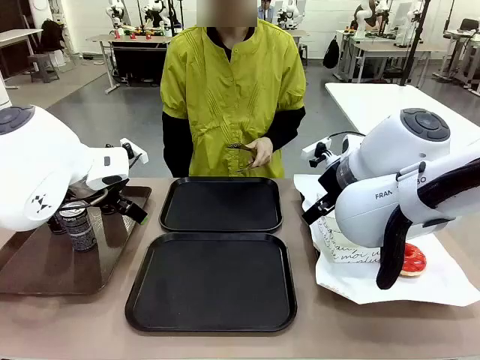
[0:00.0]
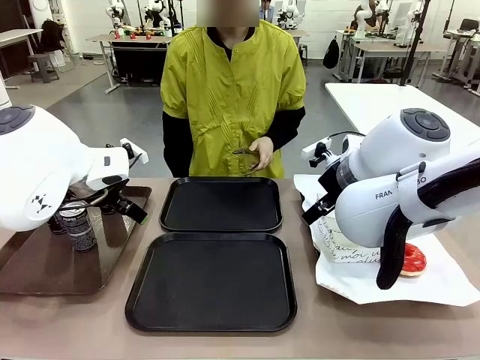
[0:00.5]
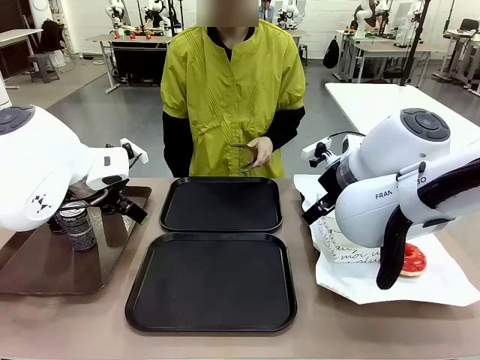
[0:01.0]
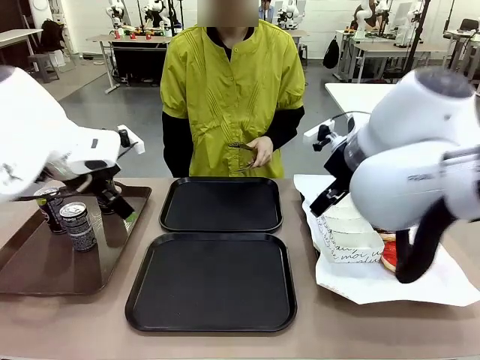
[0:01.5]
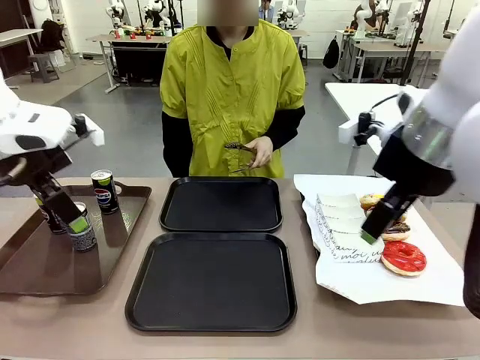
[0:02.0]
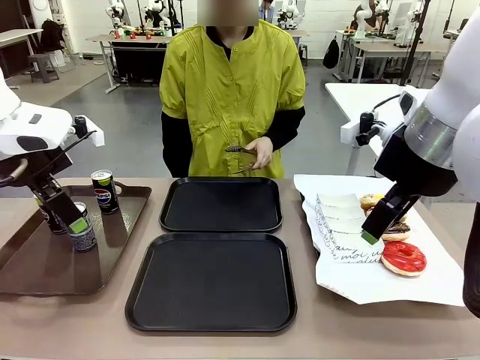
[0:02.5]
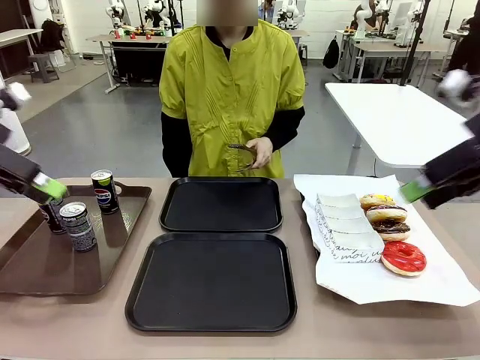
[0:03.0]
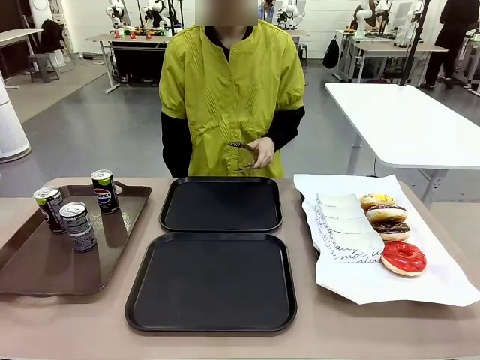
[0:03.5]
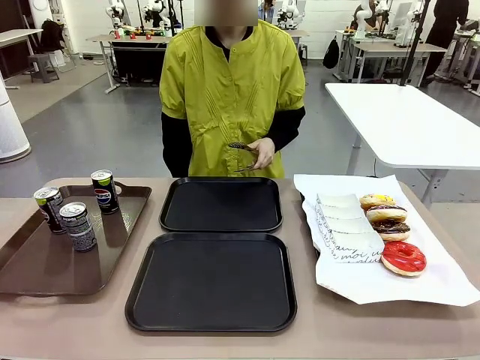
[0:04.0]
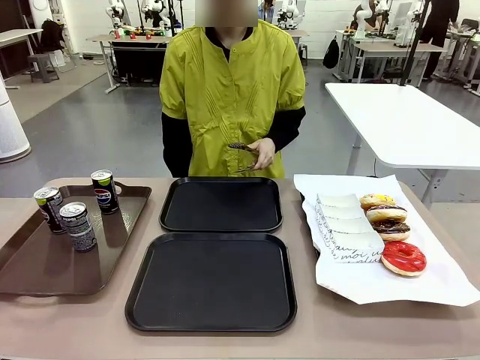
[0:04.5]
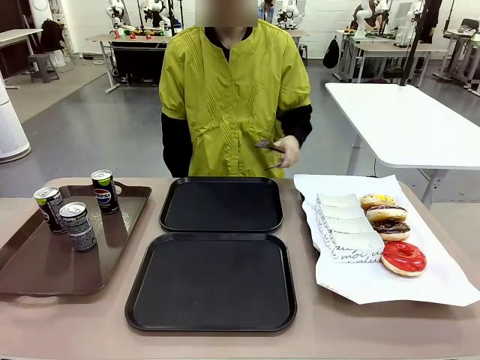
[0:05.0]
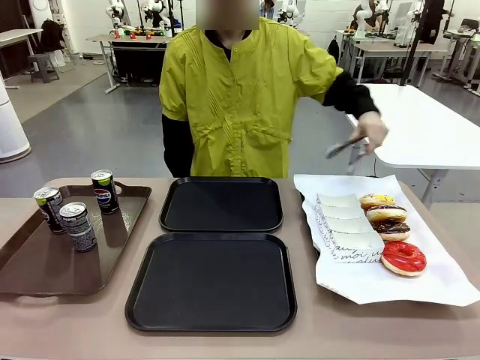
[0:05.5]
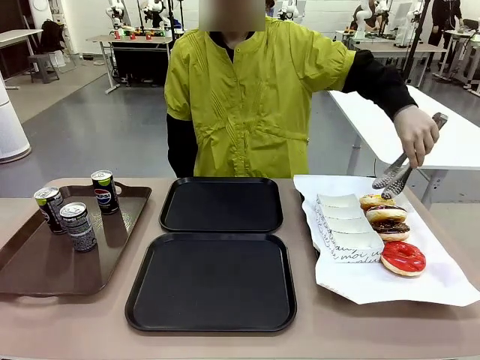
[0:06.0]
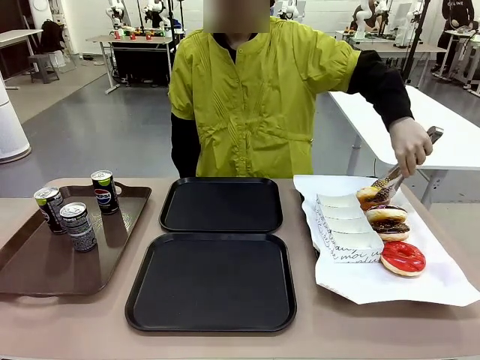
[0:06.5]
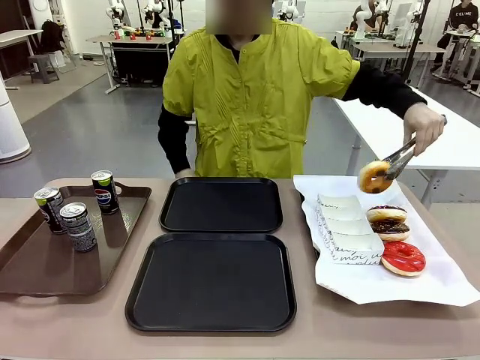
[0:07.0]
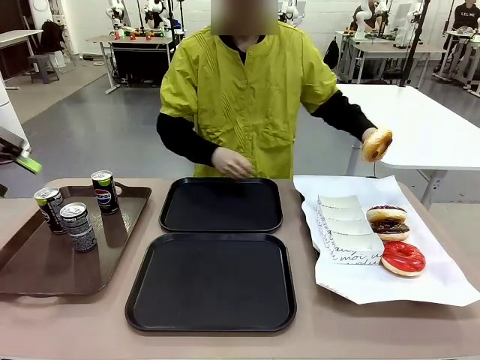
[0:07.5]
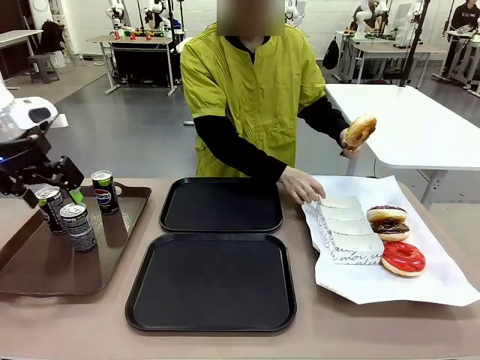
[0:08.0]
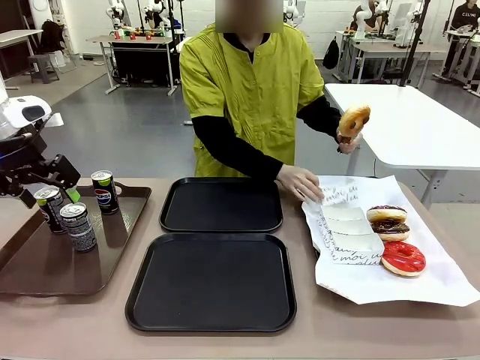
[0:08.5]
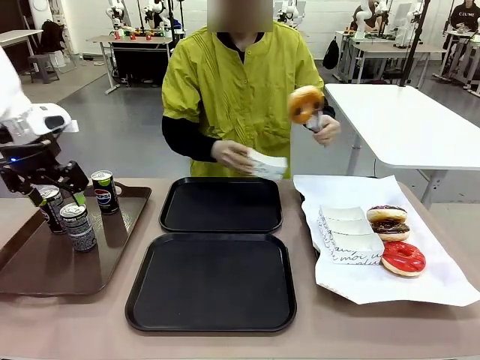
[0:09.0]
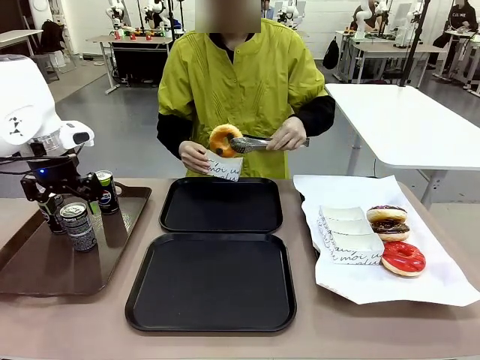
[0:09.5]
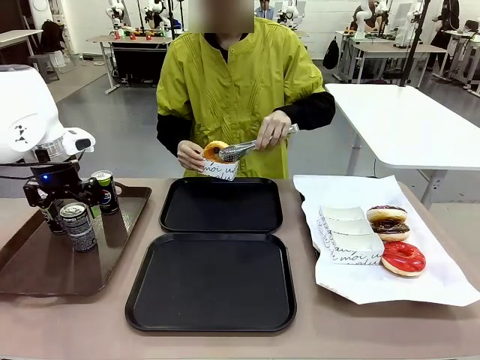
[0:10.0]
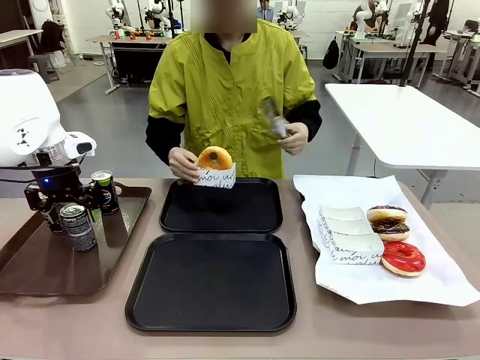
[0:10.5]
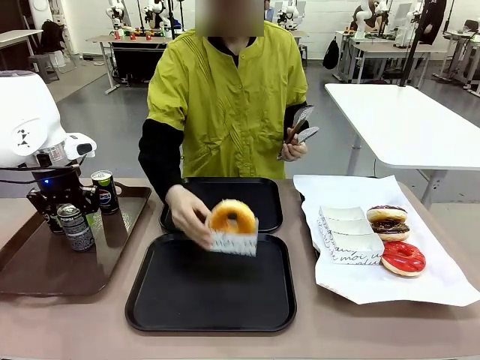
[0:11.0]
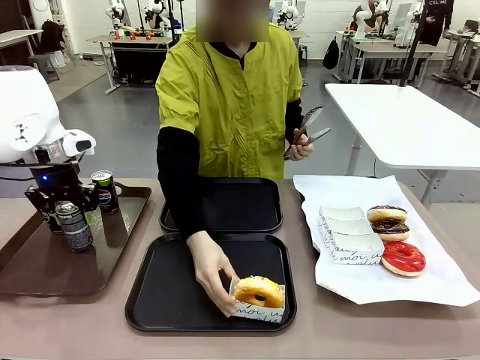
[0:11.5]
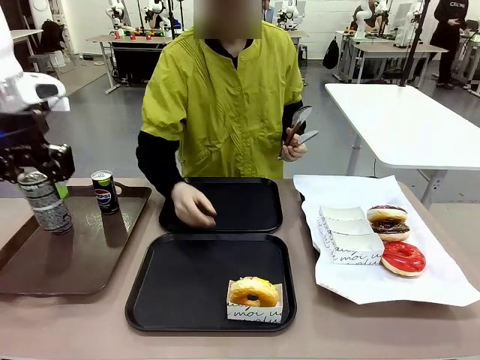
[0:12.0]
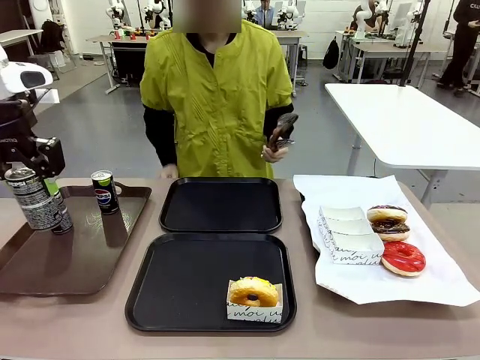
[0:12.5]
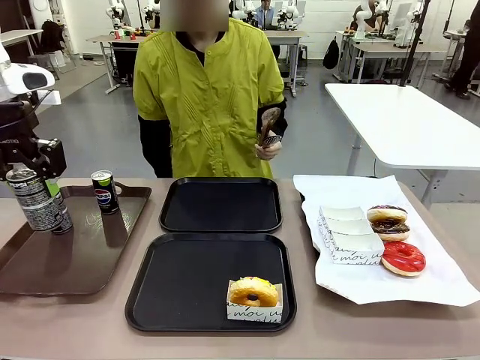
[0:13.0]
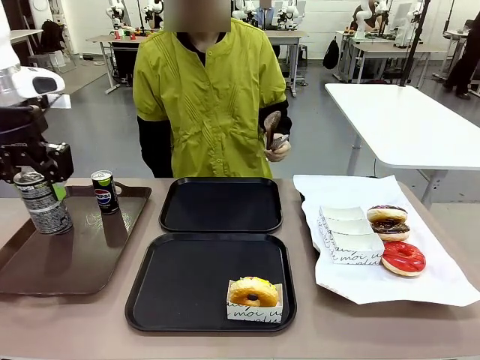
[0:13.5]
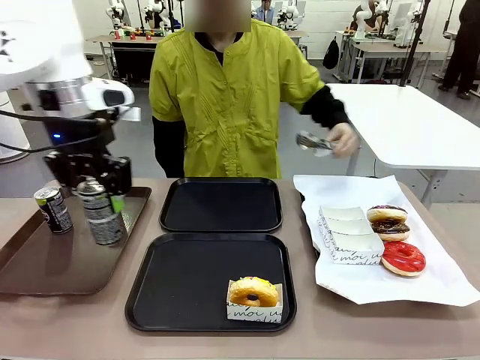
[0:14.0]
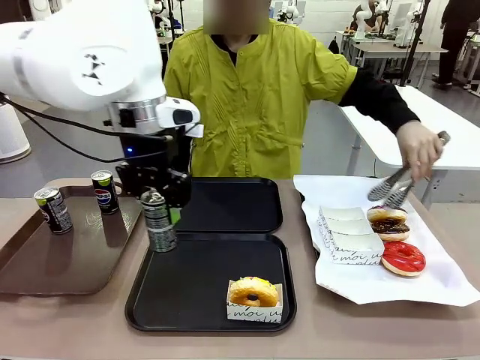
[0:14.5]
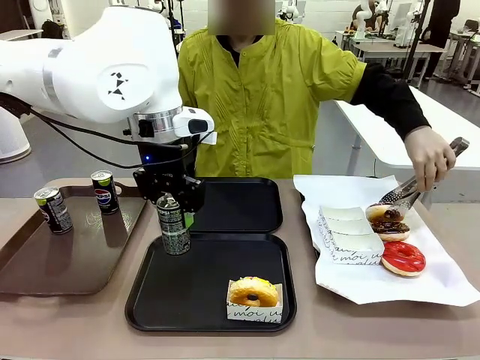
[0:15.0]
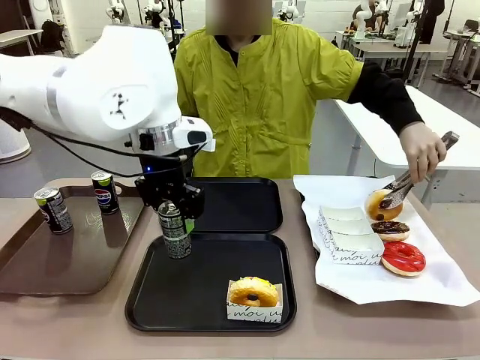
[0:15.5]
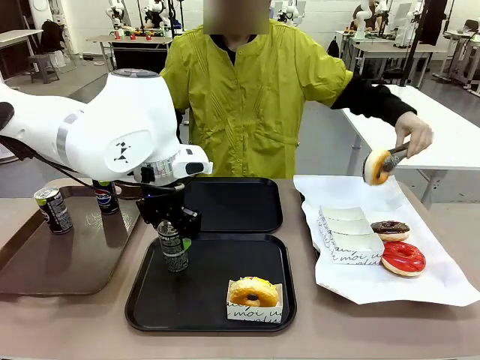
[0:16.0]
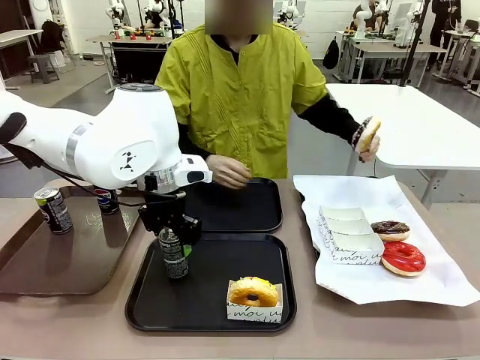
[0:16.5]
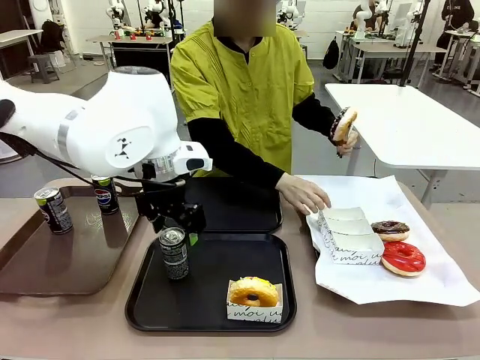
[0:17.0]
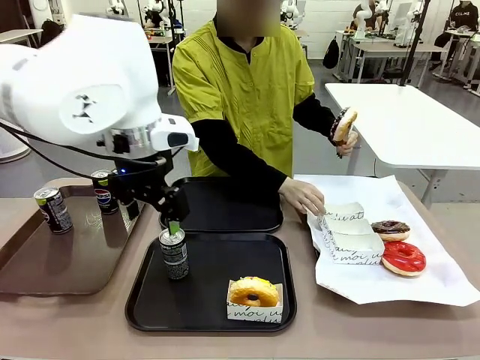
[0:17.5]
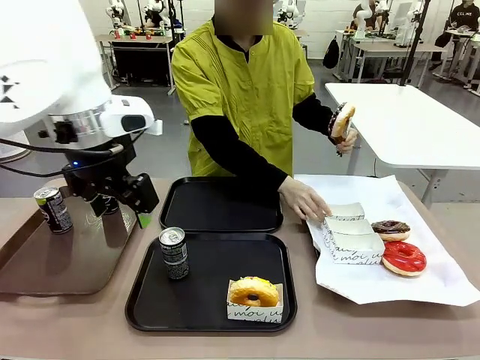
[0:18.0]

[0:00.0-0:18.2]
Task: Set up donuts and drinks on trays.
Robot: Pick up one Pepsi coke and place it on the Flat Tray.
